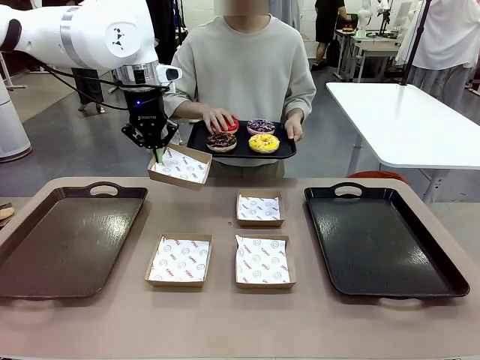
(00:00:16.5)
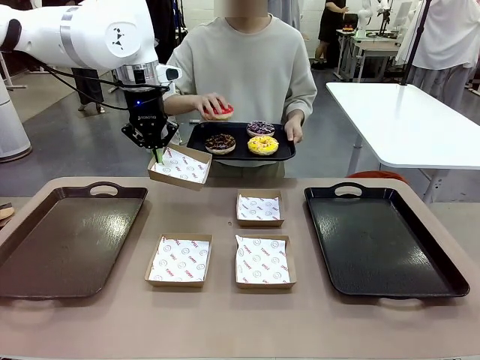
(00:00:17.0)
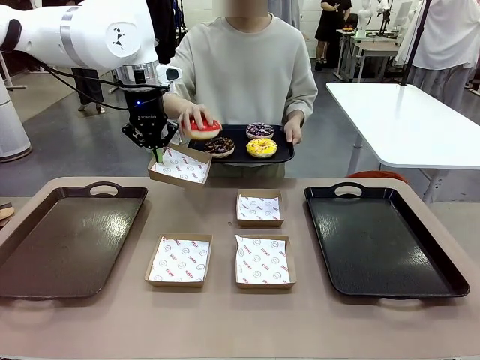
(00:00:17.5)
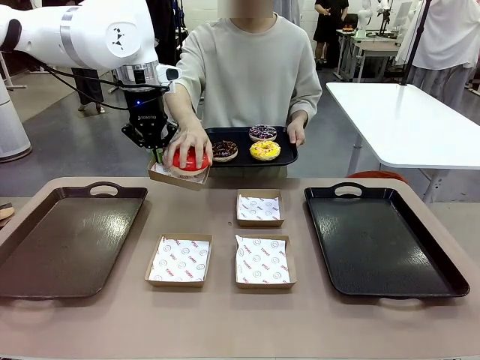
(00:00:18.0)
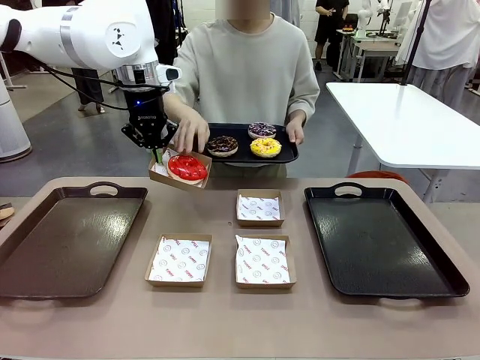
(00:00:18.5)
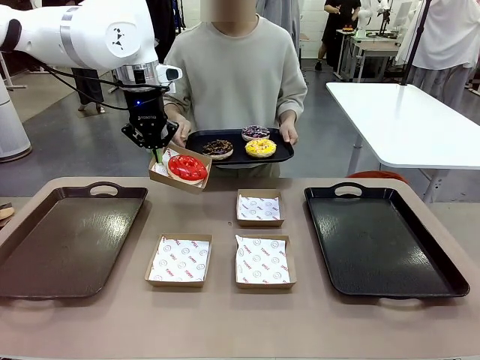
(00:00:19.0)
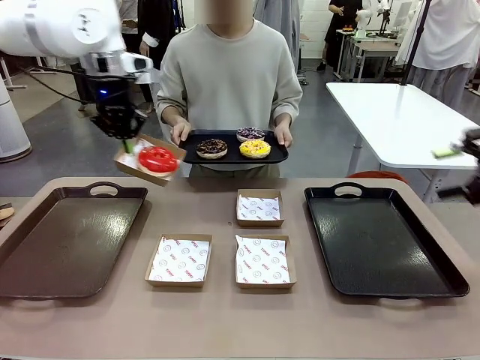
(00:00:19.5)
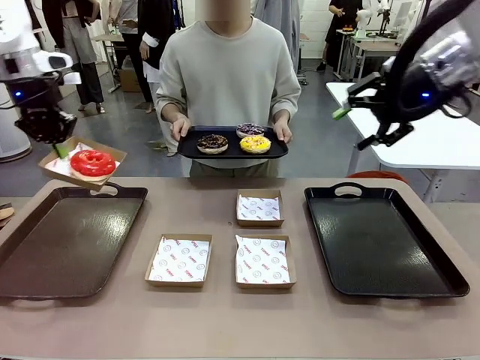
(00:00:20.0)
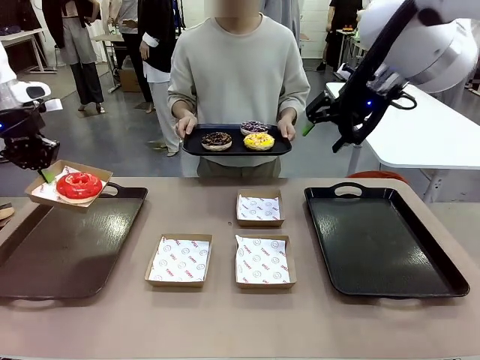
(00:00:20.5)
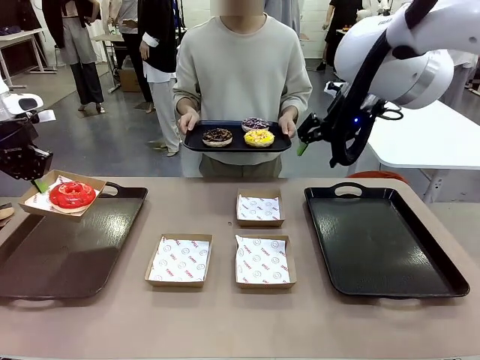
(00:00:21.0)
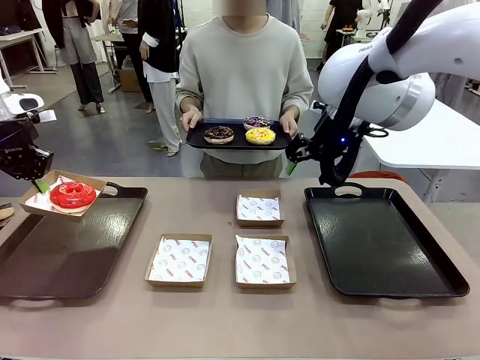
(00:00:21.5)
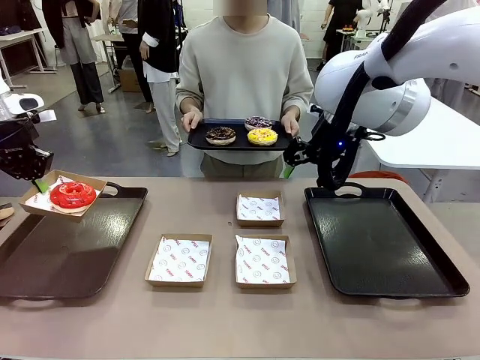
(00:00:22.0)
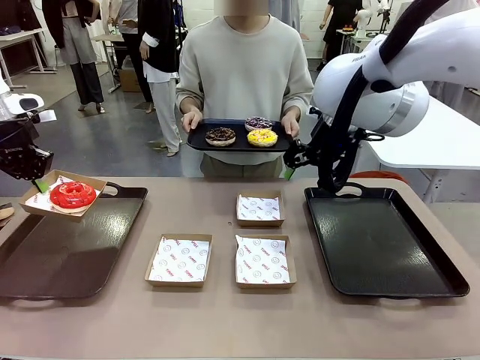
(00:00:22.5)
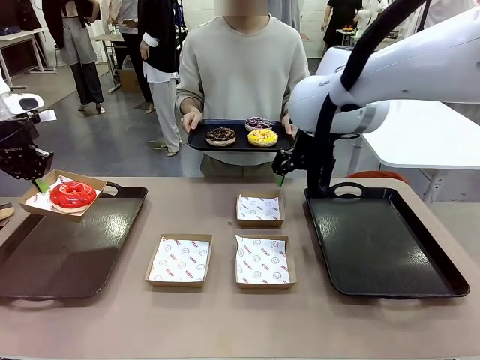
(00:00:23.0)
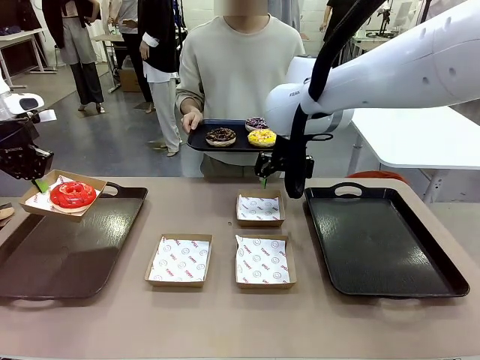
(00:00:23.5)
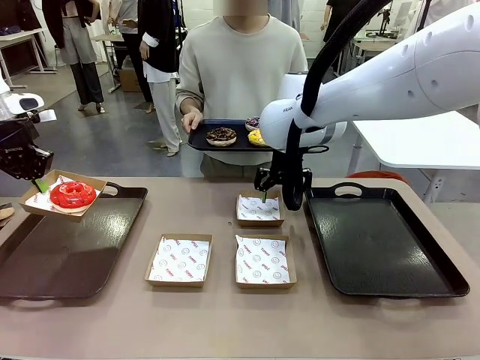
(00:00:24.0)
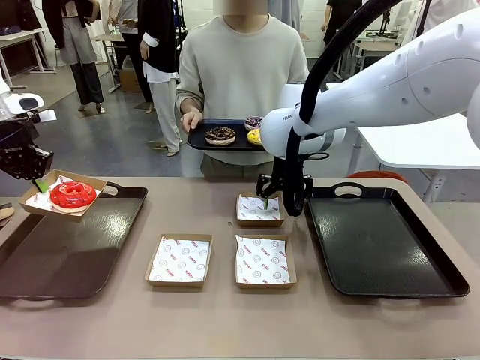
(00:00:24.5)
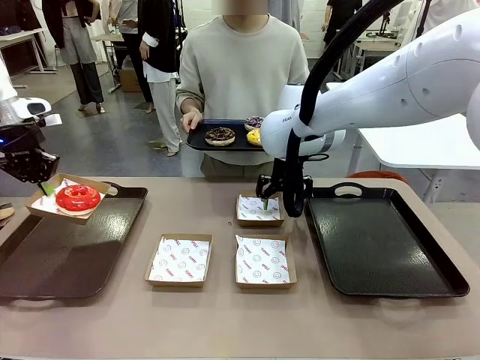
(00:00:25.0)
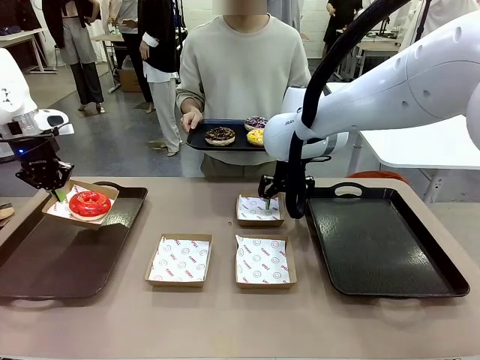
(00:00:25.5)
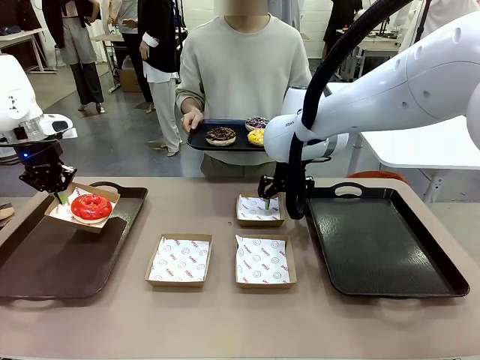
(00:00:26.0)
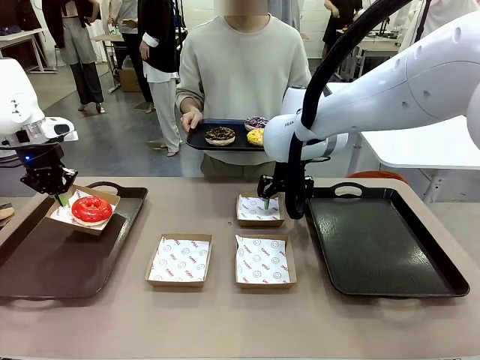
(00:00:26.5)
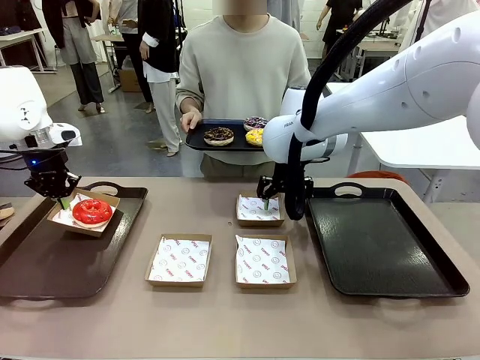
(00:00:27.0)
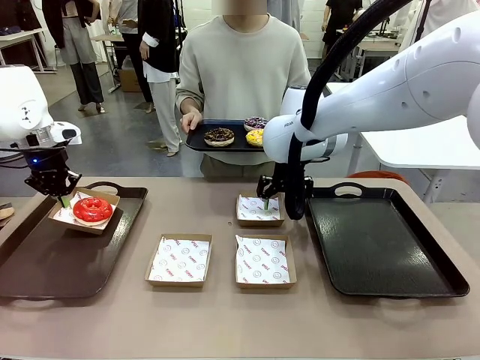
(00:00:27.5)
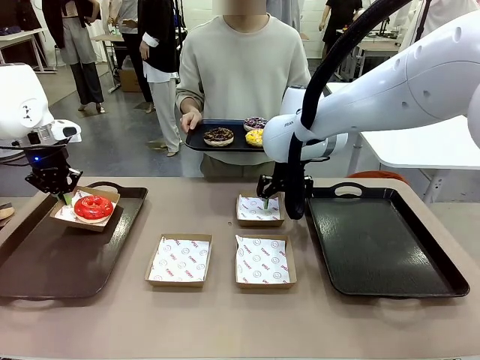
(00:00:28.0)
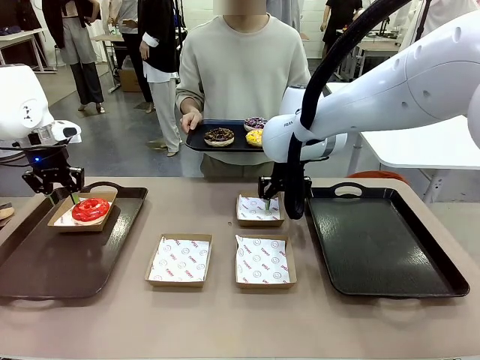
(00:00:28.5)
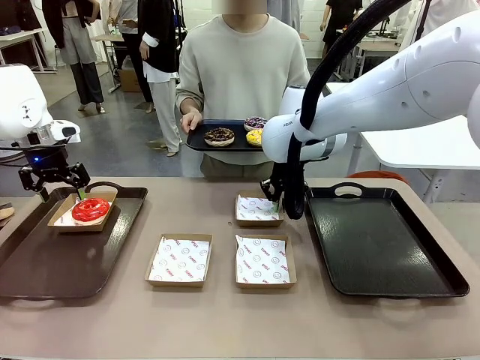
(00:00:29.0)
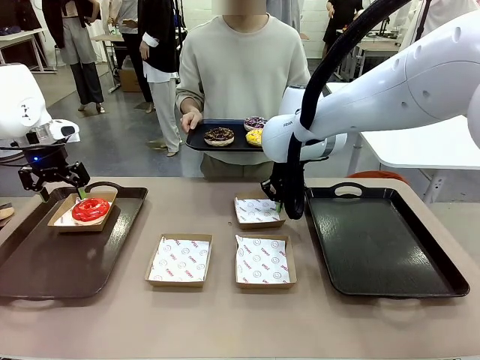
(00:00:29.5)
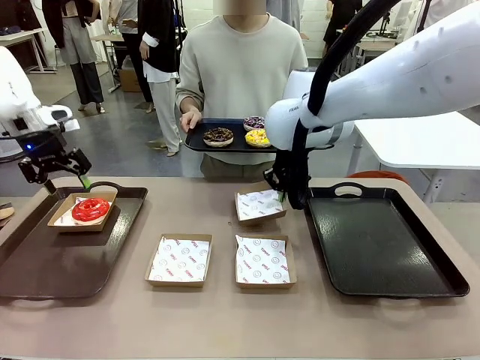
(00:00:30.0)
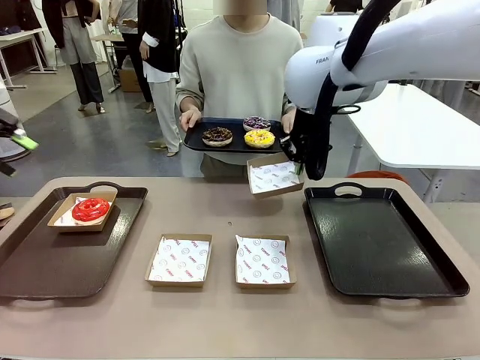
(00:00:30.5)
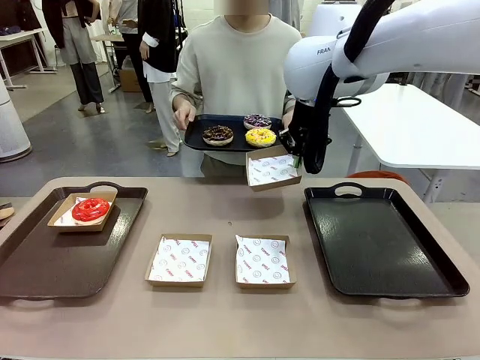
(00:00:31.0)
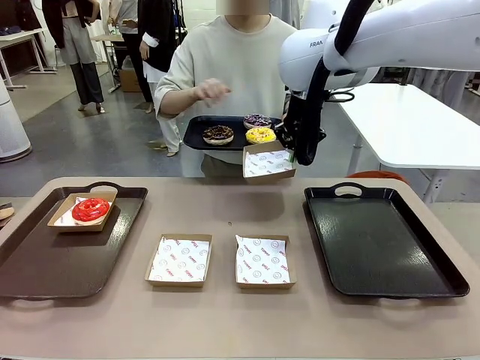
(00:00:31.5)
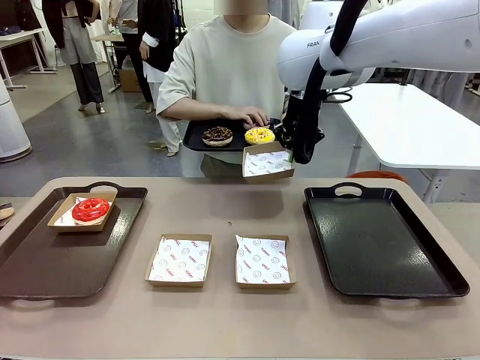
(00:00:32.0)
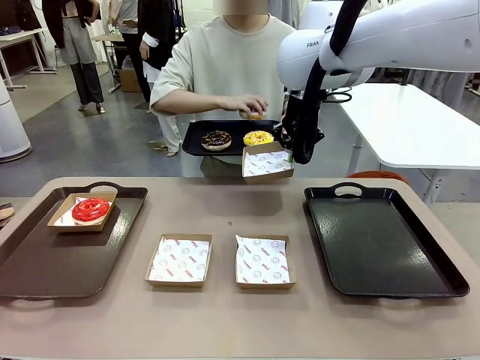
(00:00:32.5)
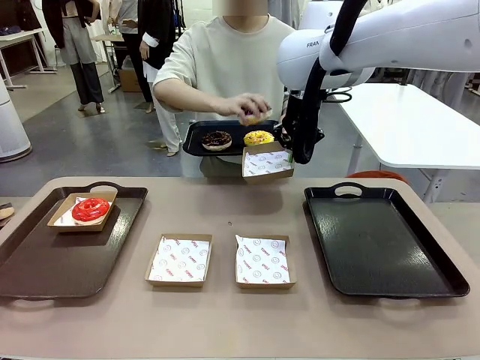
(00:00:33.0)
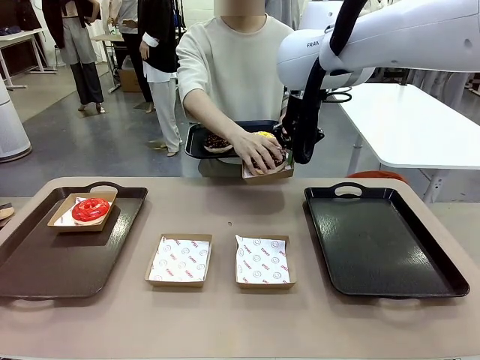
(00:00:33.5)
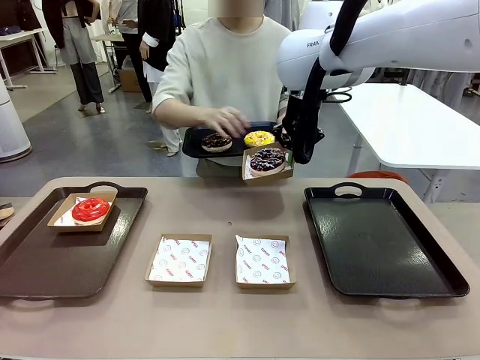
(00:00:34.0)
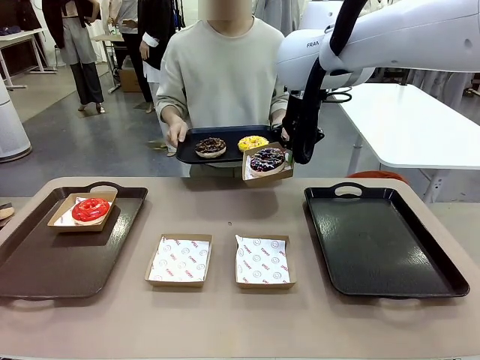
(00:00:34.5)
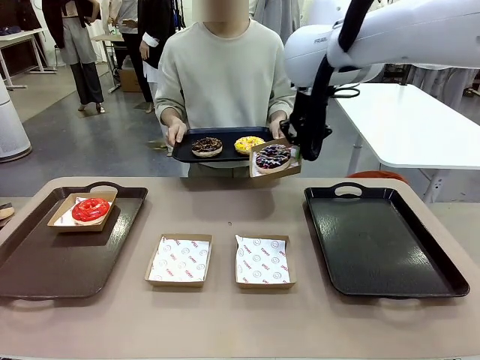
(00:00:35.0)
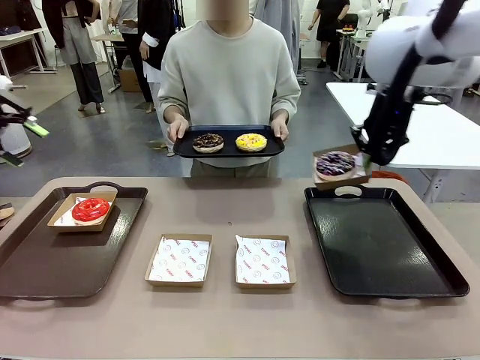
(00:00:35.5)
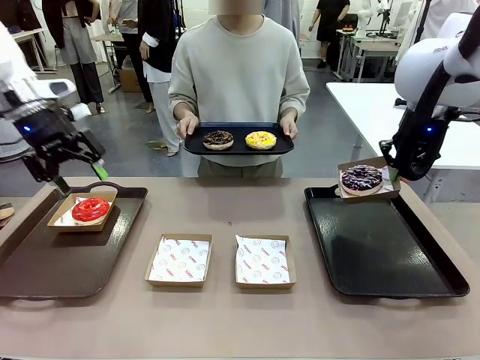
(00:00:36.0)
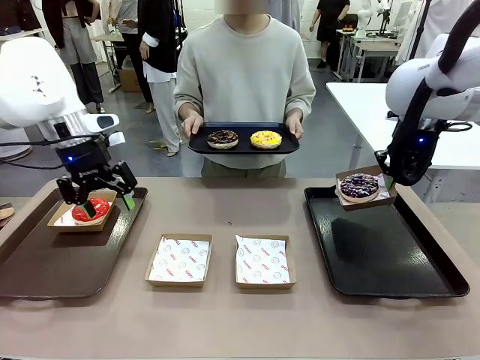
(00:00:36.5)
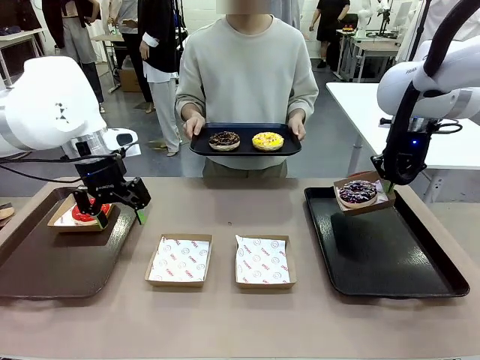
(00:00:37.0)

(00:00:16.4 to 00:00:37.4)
Task: Individually package the donuts and arrange them on the tray.
Robot: Place the picked Paper togo box on the Handle tray while simultaneously picking up another Paper togo box from the table with the other hand.

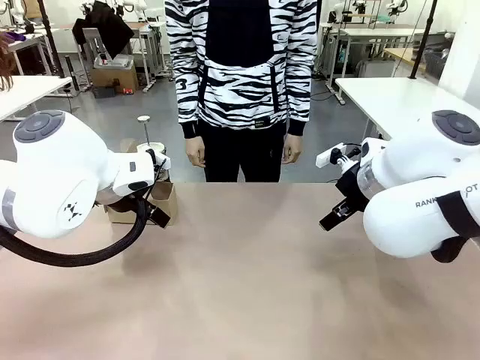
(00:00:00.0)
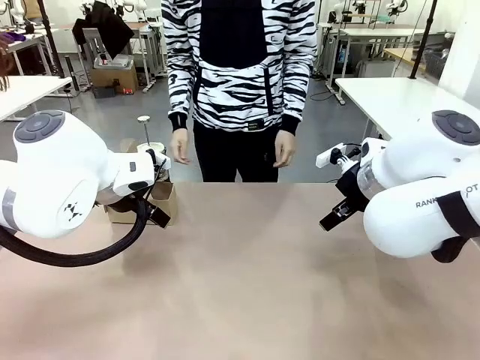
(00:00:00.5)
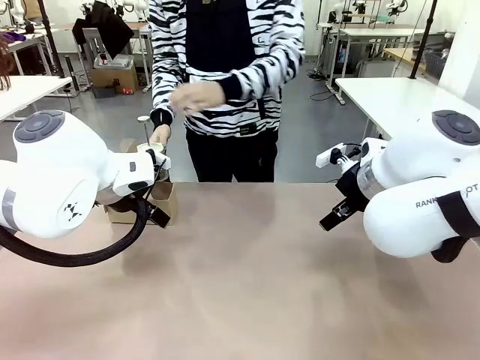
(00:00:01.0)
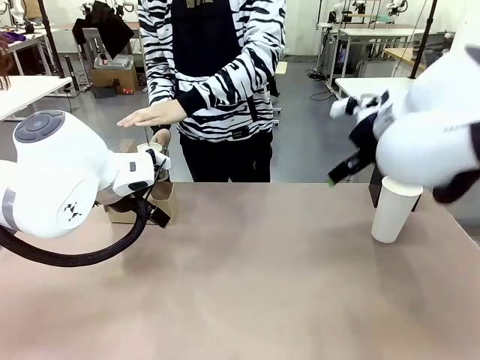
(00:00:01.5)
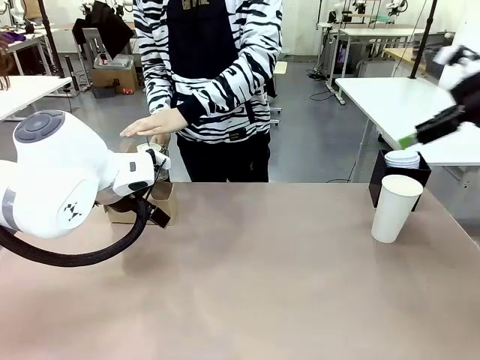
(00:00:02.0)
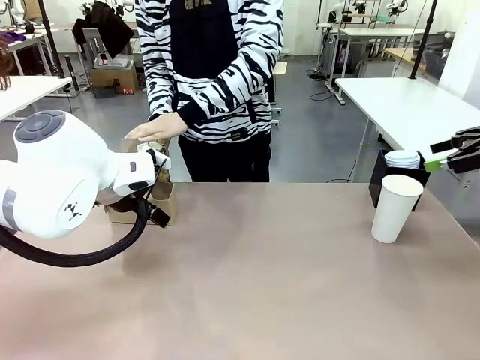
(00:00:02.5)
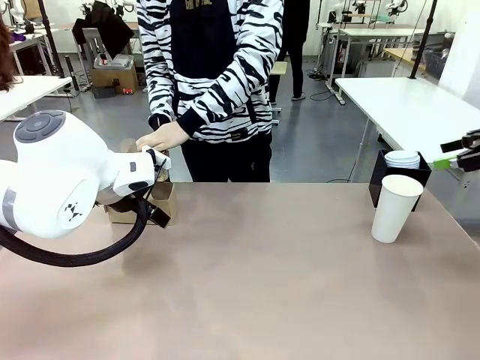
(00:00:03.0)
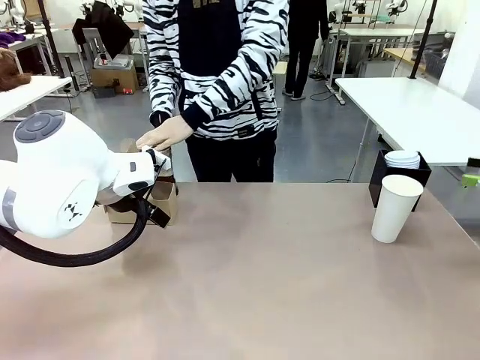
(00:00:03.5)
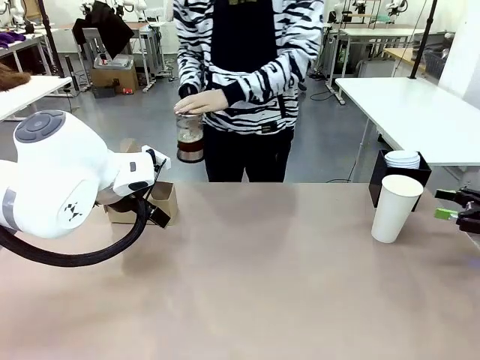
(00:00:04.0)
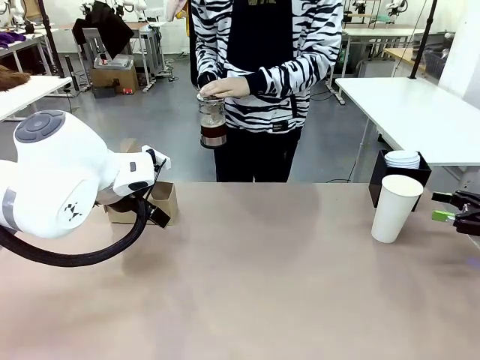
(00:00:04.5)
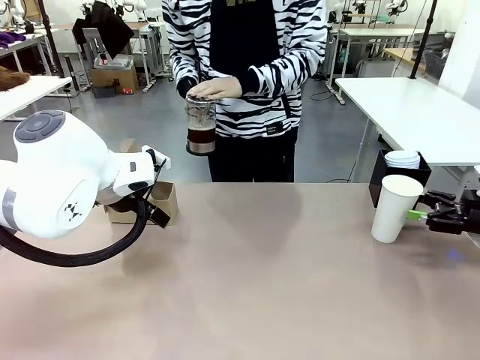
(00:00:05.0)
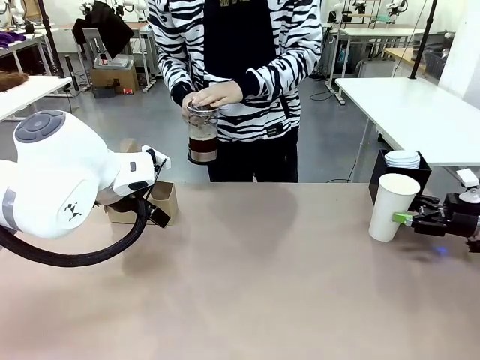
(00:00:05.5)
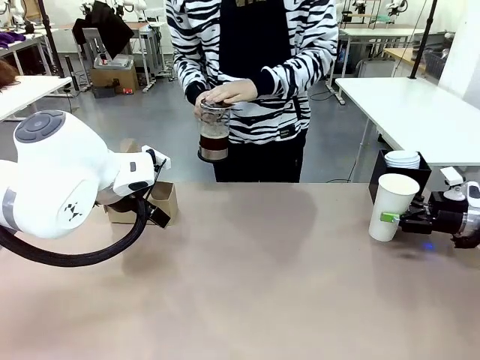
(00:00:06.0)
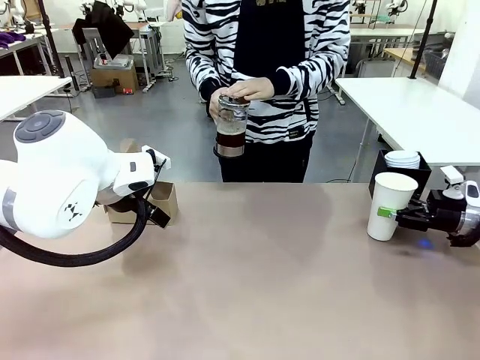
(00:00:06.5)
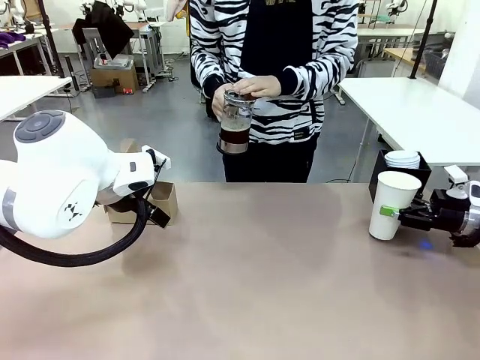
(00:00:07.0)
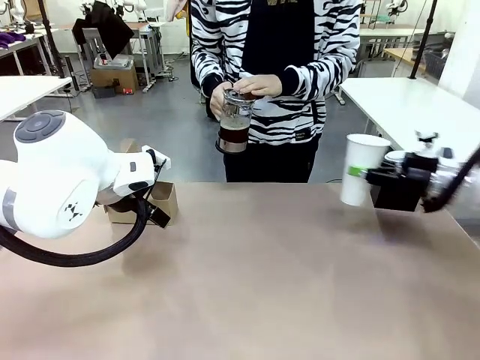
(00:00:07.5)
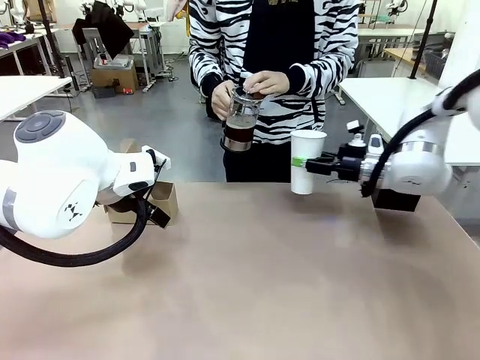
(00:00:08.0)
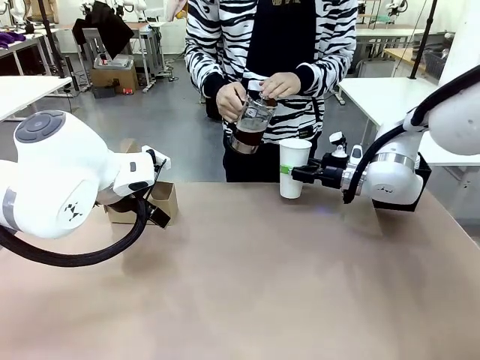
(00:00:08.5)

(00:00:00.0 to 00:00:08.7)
Task: Pour a drink into a cup and package it in a carrier.
Robot: Pick up the 600 ml Paper Cup and place it in the middle top area of the table.
Person: Press and pick up the Filter Brewing.
